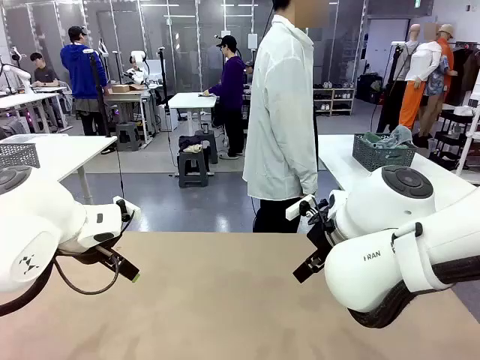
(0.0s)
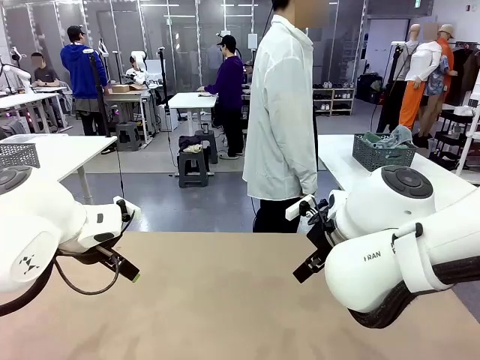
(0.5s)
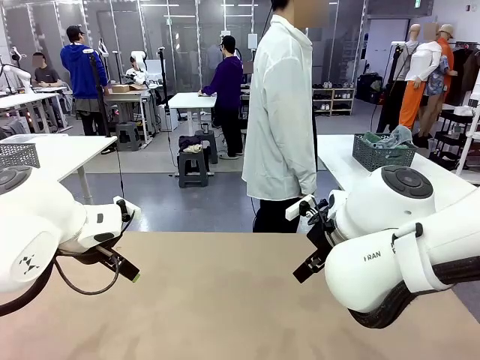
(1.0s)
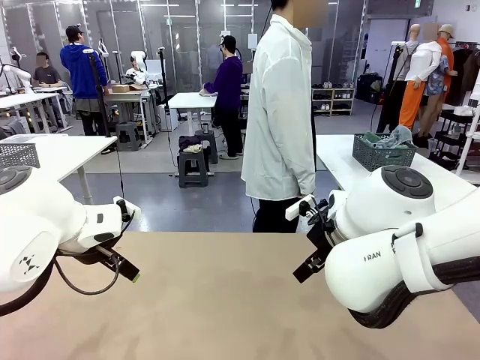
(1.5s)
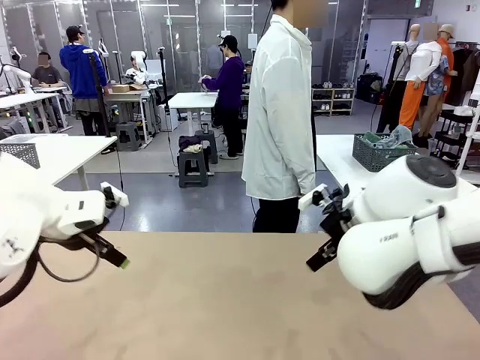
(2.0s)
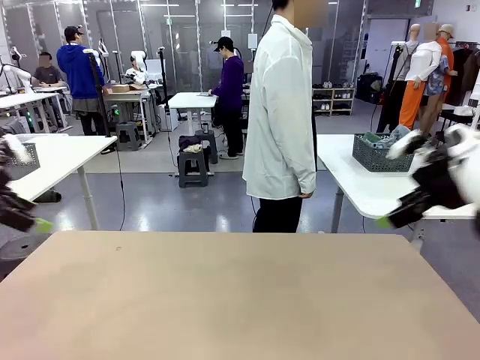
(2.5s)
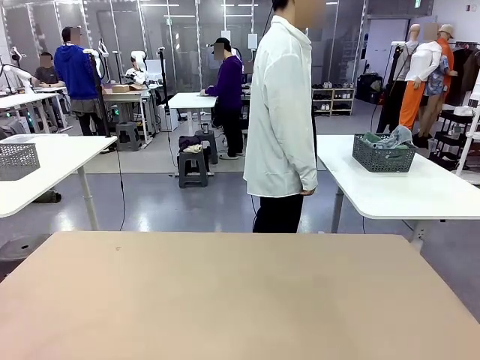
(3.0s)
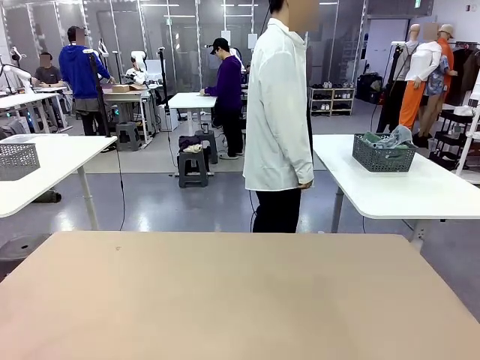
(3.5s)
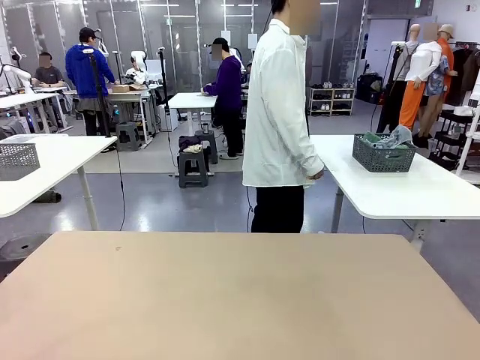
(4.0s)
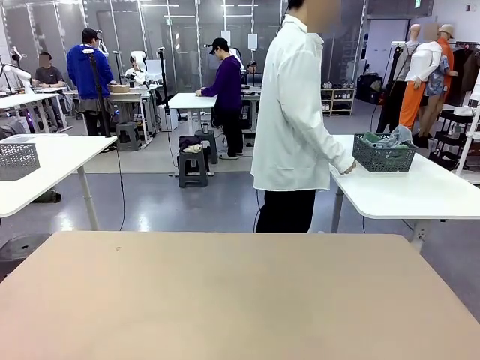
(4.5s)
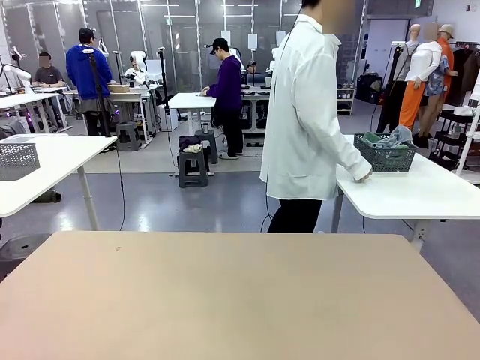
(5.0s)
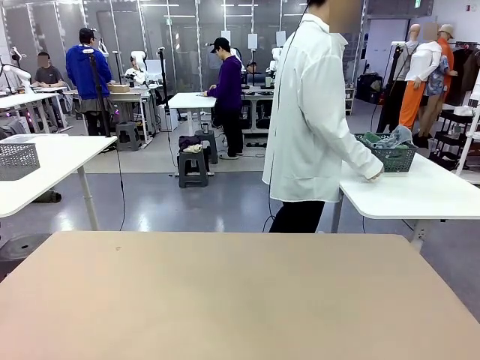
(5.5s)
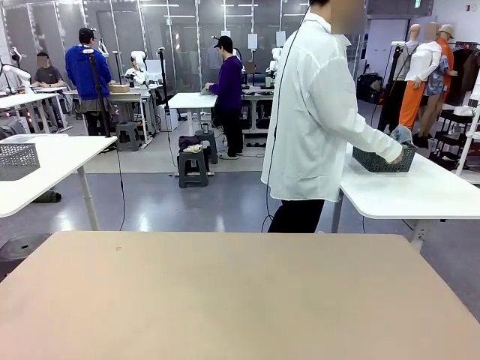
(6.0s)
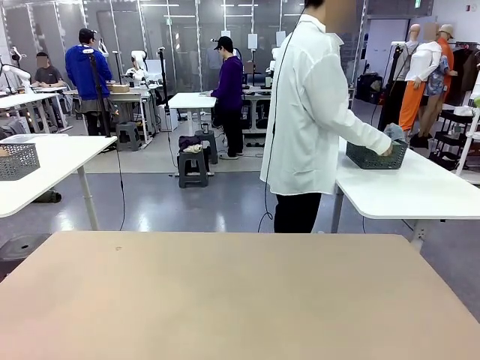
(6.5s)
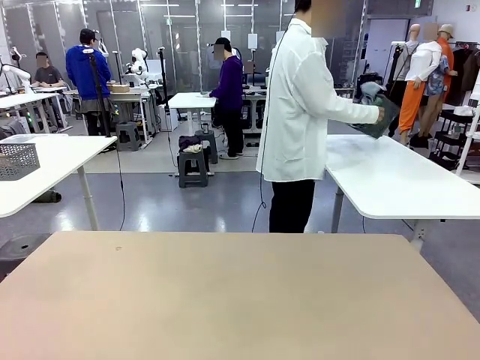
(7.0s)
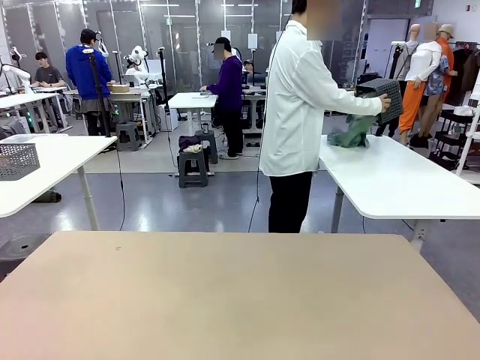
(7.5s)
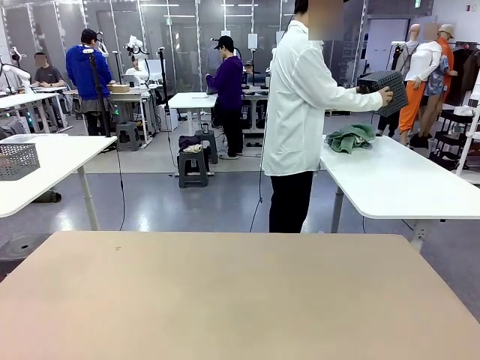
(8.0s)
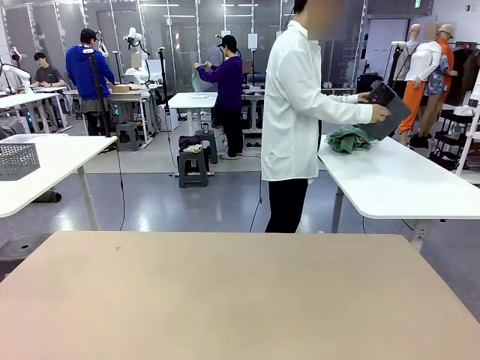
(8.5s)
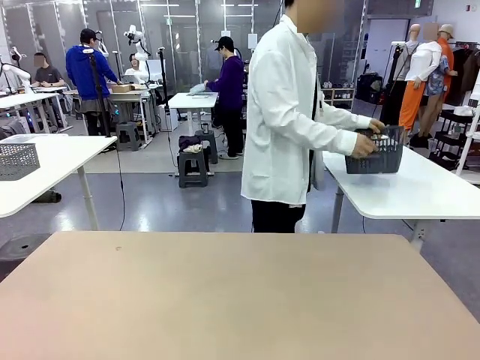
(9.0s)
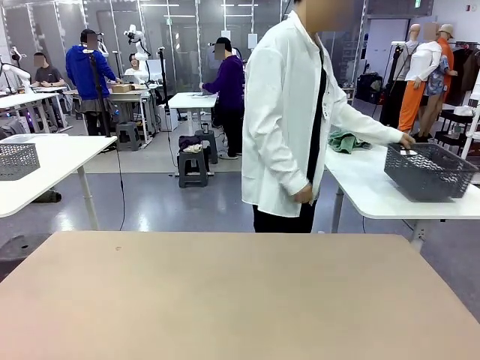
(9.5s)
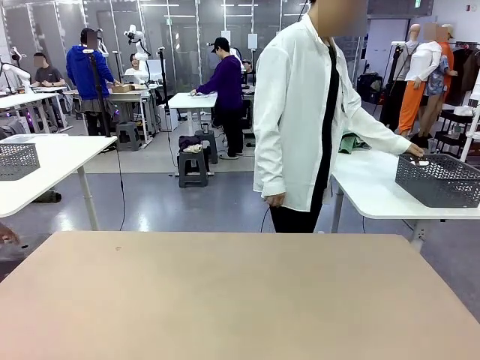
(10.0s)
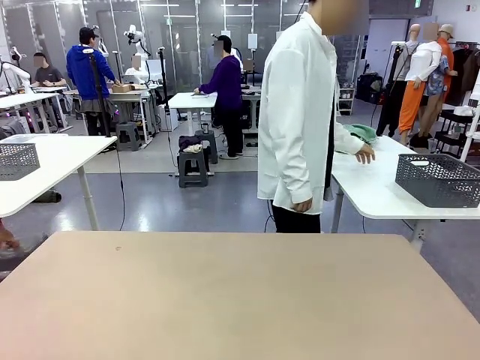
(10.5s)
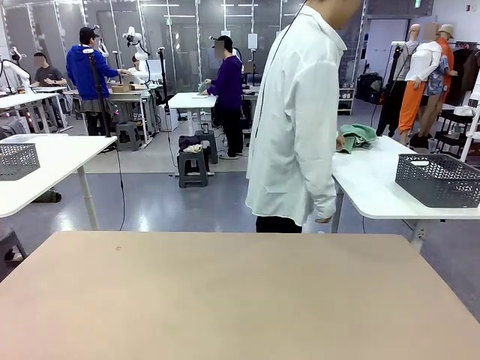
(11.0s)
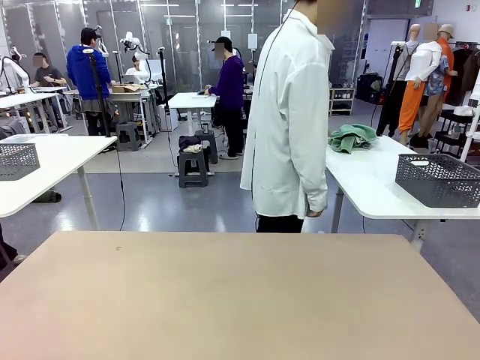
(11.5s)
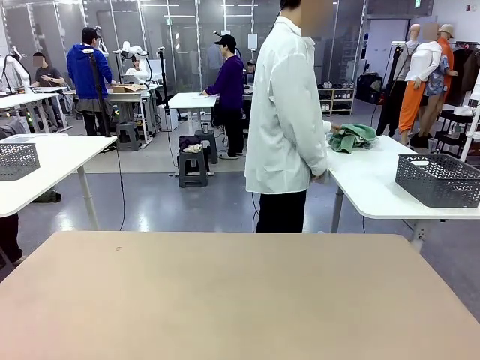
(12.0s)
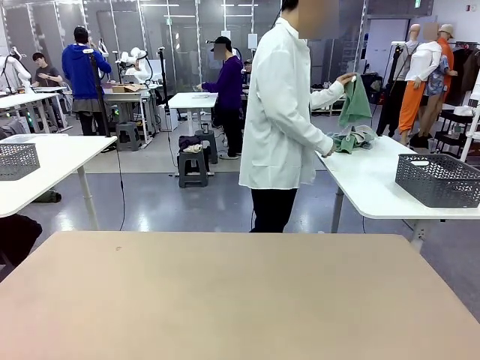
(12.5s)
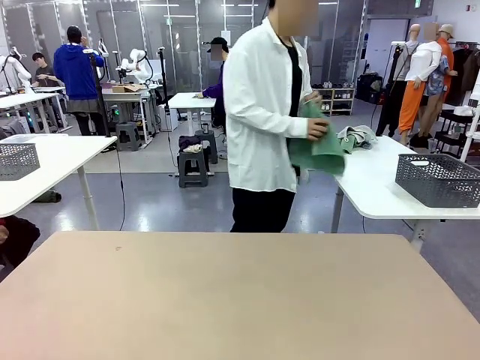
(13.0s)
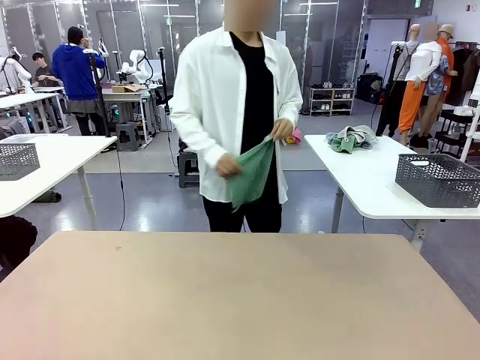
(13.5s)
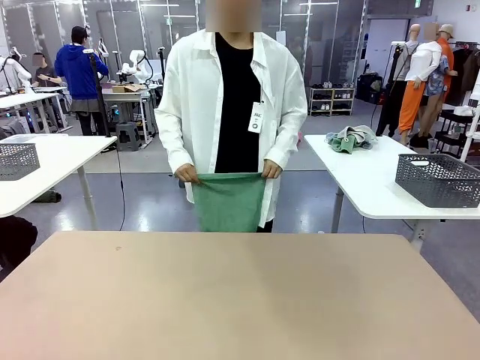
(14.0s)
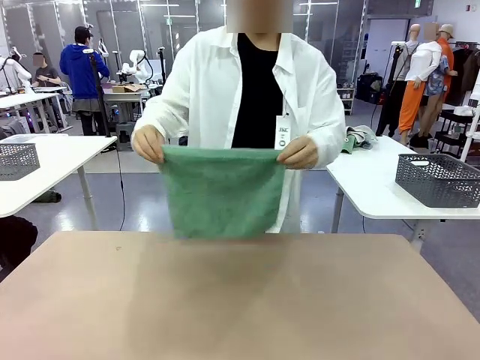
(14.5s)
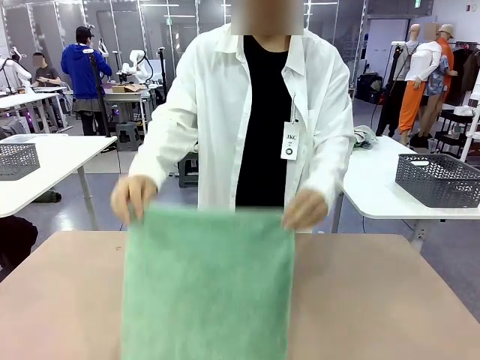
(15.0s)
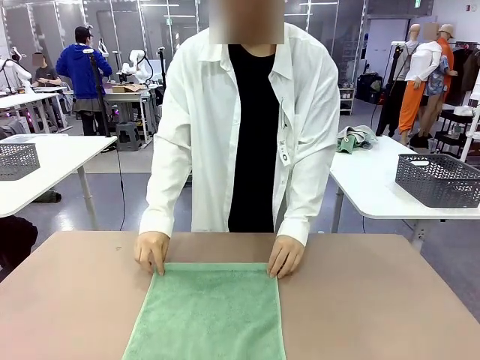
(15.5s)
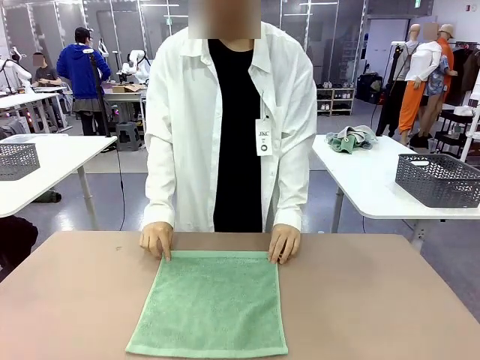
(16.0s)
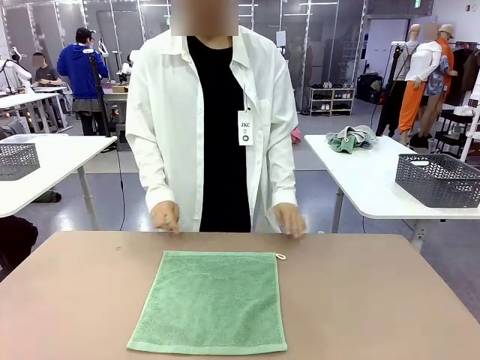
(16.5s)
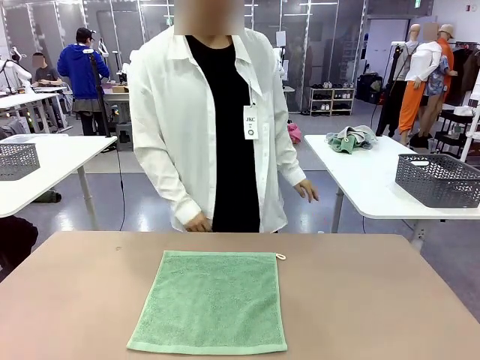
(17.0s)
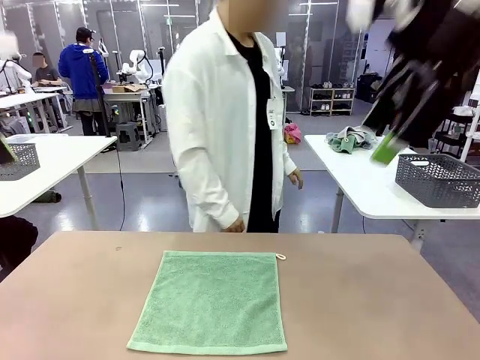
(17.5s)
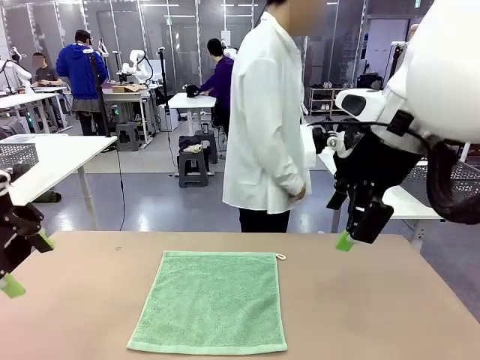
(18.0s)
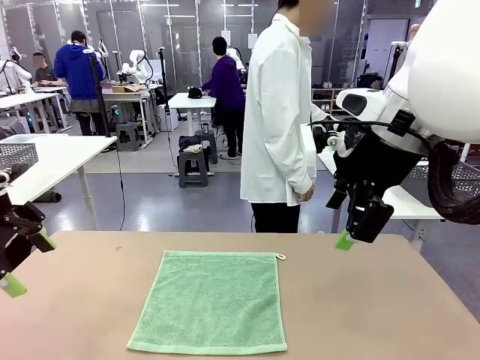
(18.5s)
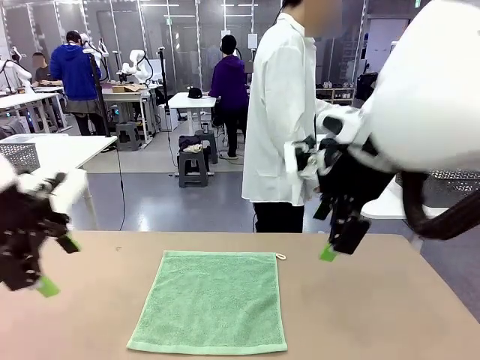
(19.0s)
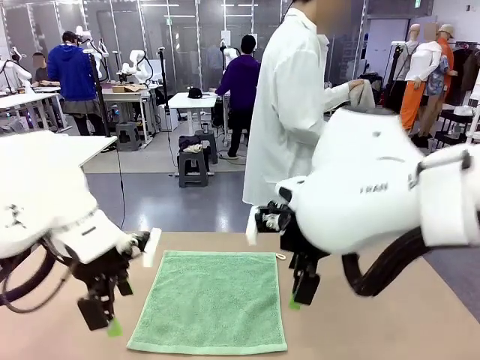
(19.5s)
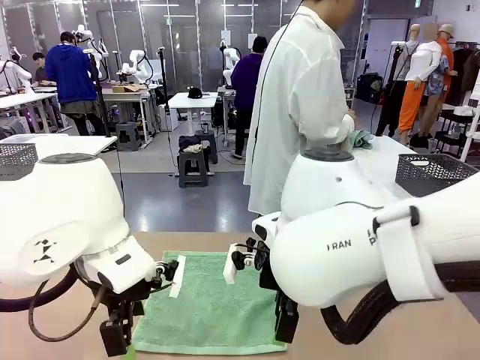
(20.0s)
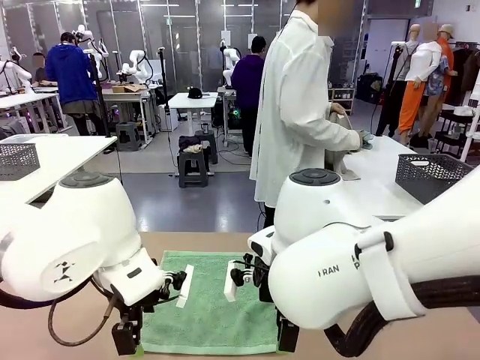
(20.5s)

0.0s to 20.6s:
Task: Fold the towels and place them in the basket.
Robot: When a person lays out a Towel with hook on the table, fold it in half twice.
Person: Pick up the basket, pour the towels onto the left side of the human table, and place the basket on the right side. Pick up one towel and spread it out at the center of the robot table.

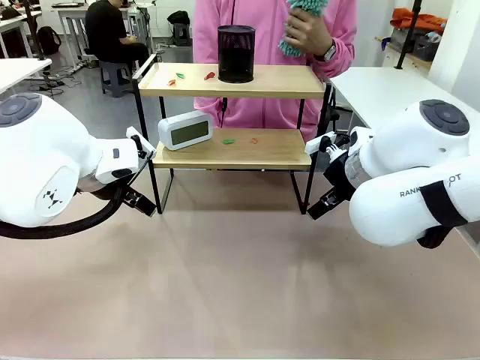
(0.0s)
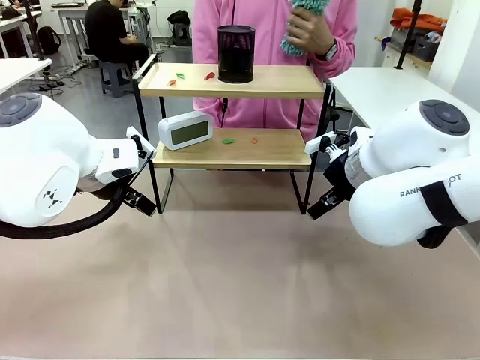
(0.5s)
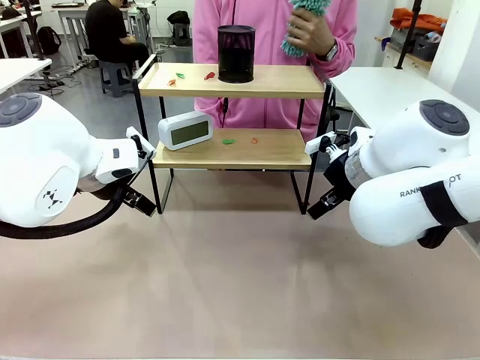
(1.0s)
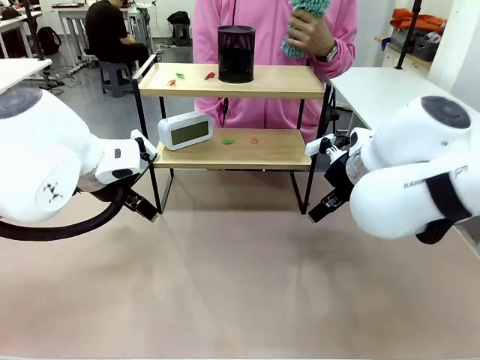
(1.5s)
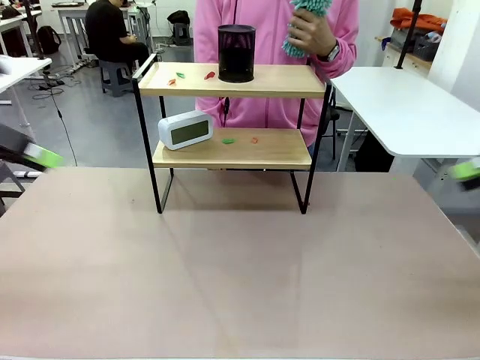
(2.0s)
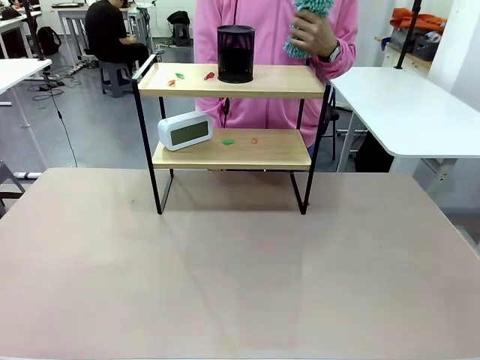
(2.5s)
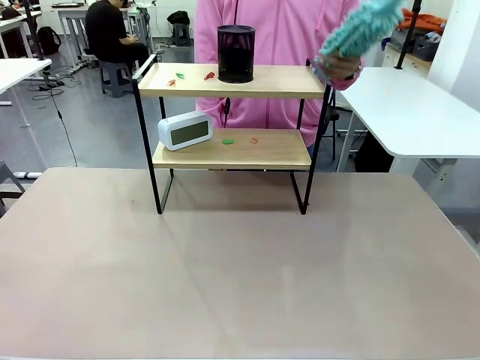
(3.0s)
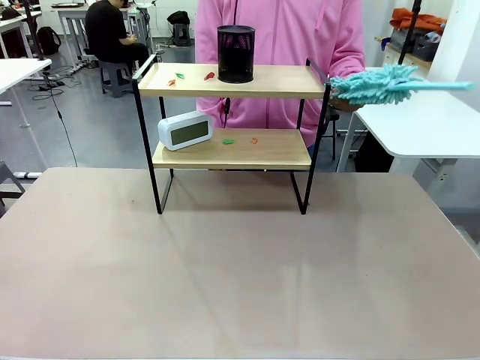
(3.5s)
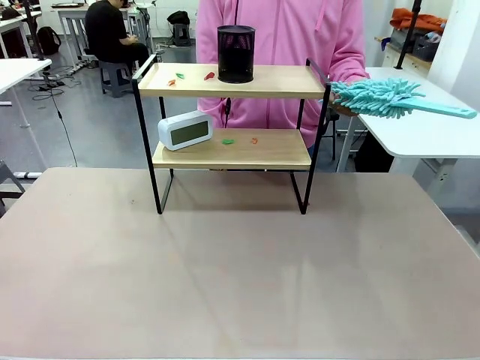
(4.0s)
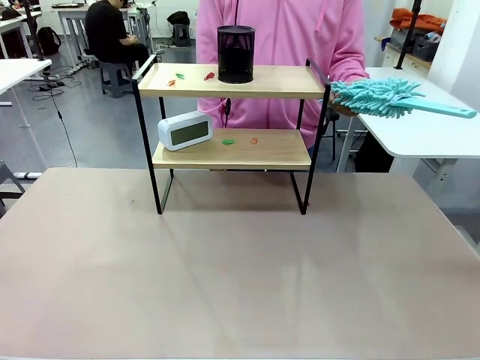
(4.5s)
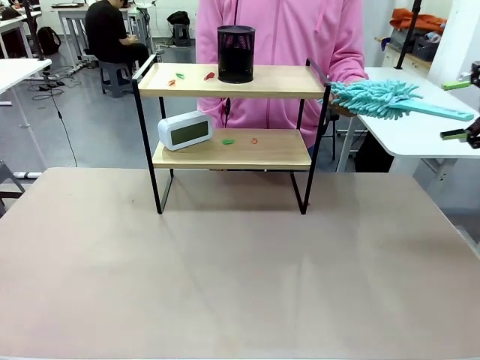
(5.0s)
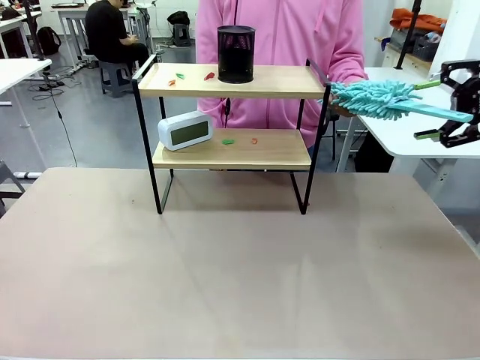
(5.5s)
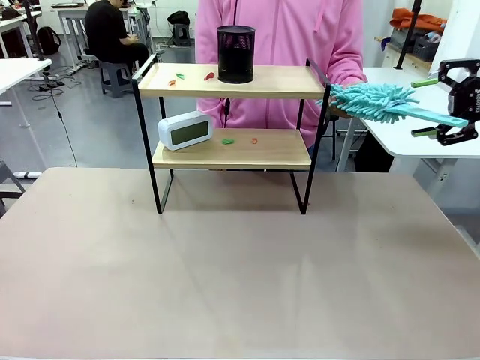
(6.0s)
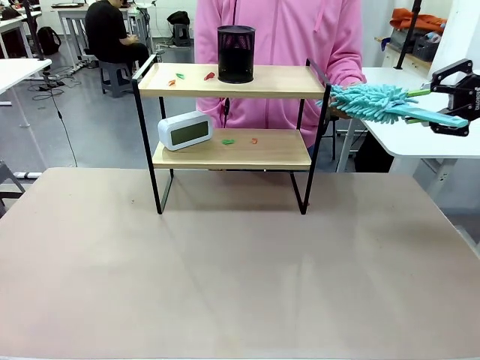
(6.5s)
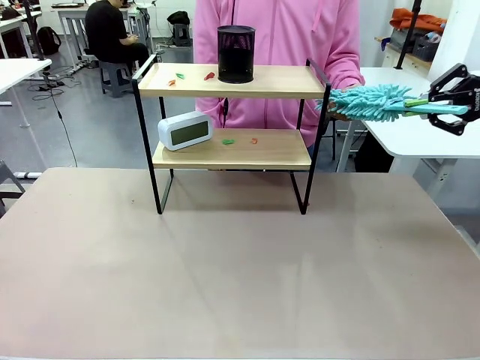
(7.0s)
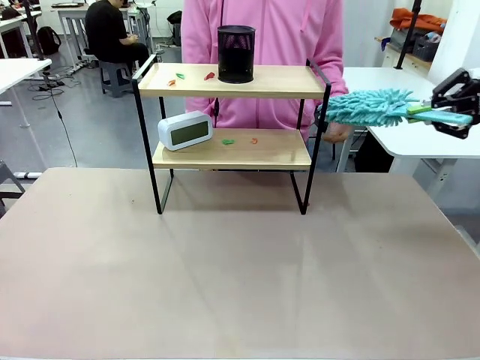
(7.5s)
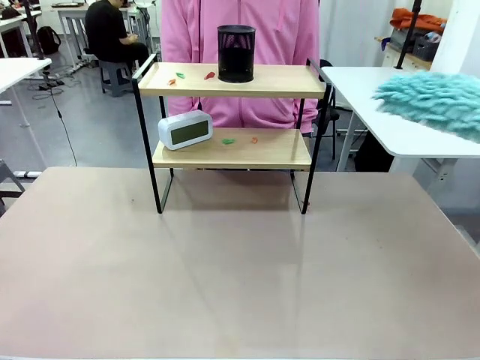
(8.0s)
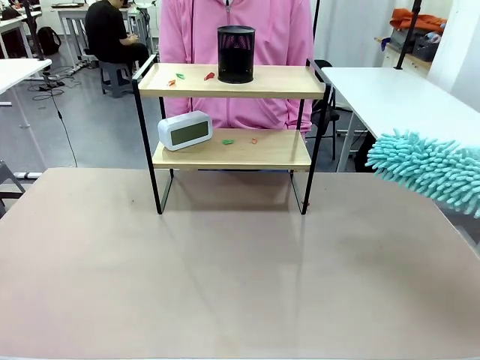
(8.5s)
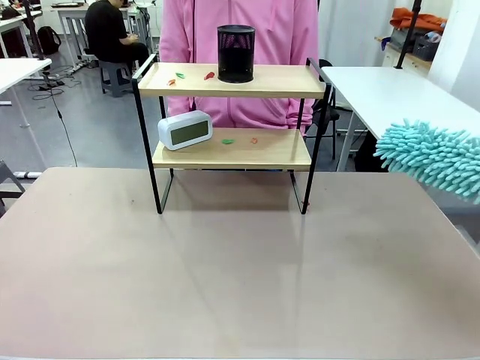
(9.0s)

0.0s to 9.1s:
Task: Clean the shelf.
Robot: Pick up the Duster from the human.
Person: Hand the Duster to the robot.
